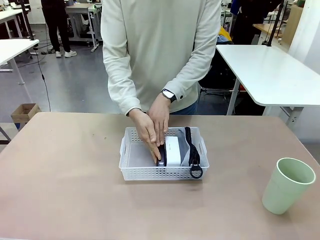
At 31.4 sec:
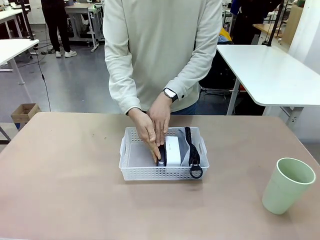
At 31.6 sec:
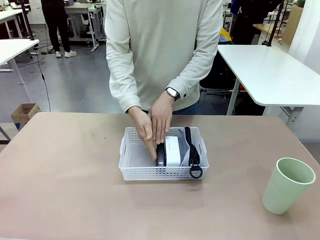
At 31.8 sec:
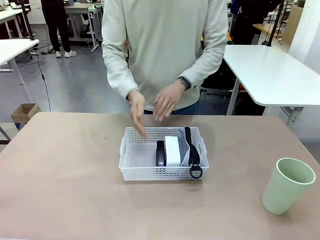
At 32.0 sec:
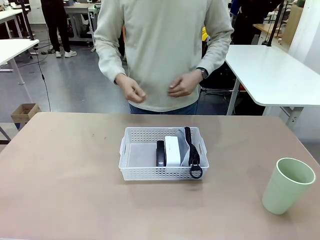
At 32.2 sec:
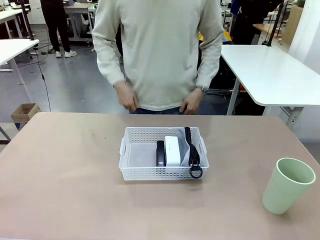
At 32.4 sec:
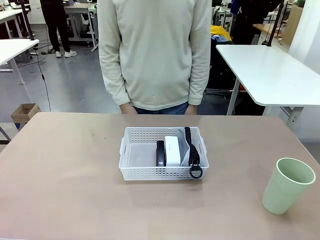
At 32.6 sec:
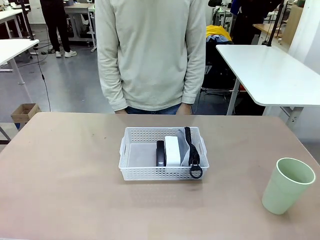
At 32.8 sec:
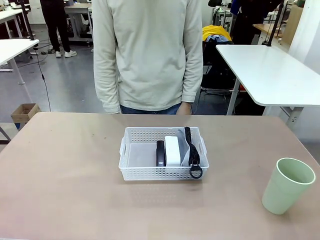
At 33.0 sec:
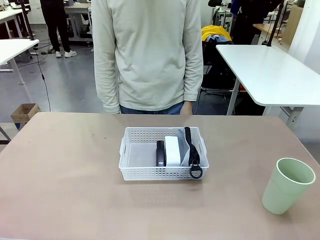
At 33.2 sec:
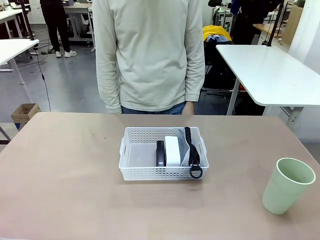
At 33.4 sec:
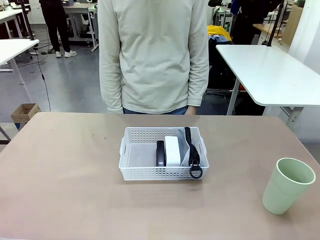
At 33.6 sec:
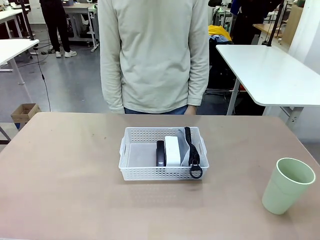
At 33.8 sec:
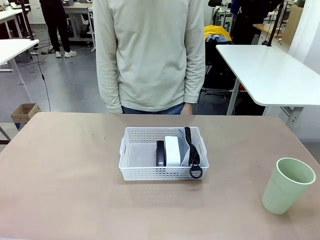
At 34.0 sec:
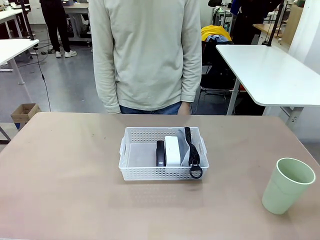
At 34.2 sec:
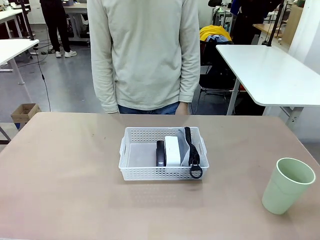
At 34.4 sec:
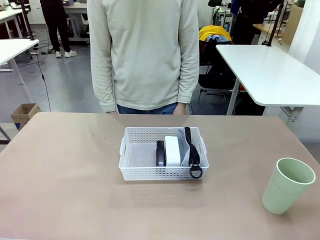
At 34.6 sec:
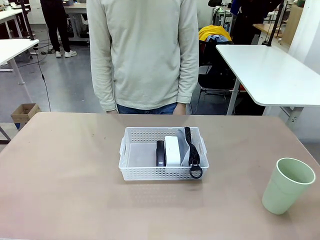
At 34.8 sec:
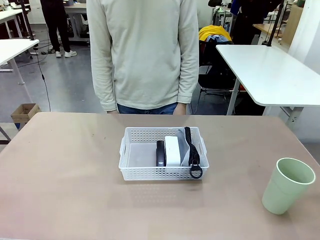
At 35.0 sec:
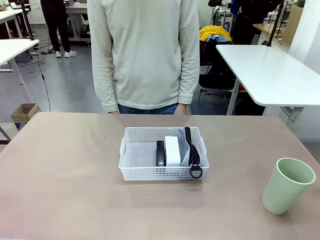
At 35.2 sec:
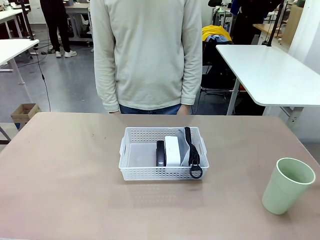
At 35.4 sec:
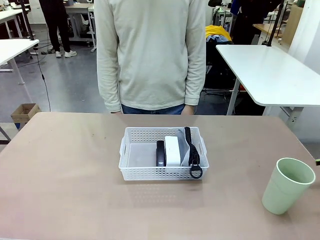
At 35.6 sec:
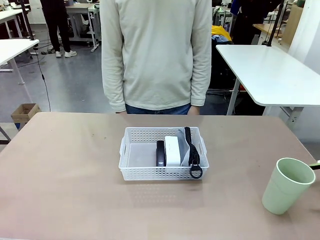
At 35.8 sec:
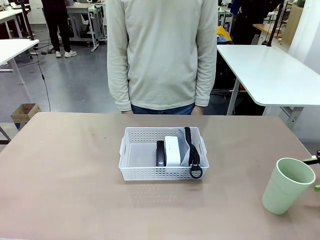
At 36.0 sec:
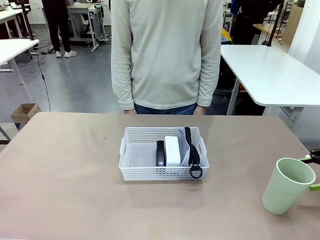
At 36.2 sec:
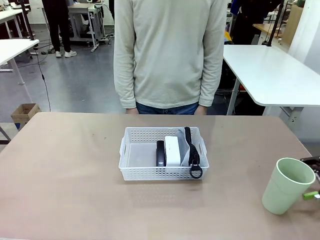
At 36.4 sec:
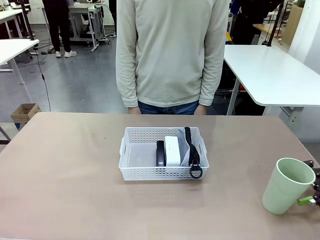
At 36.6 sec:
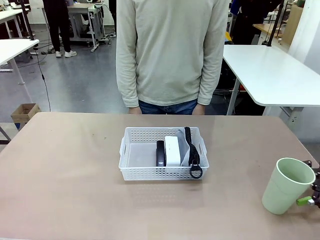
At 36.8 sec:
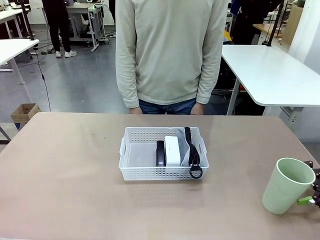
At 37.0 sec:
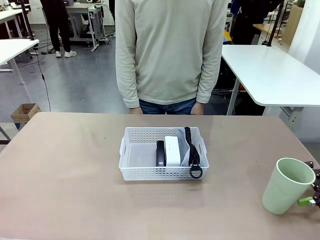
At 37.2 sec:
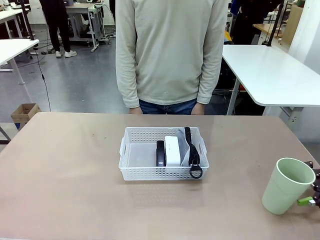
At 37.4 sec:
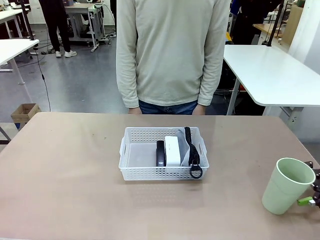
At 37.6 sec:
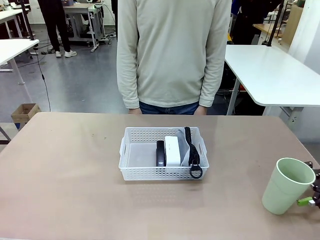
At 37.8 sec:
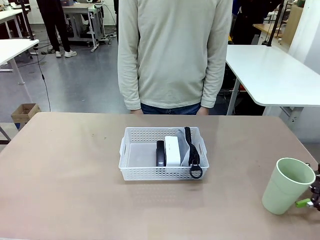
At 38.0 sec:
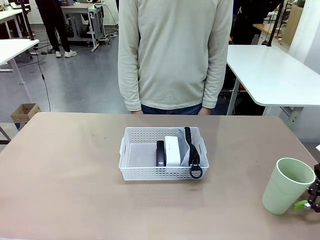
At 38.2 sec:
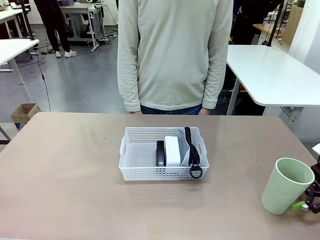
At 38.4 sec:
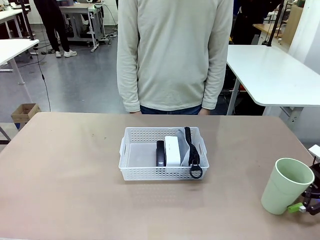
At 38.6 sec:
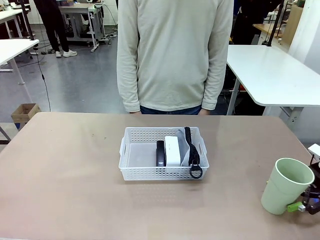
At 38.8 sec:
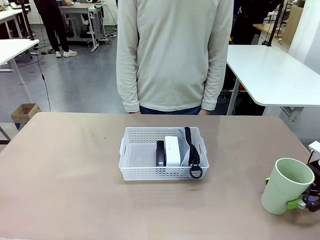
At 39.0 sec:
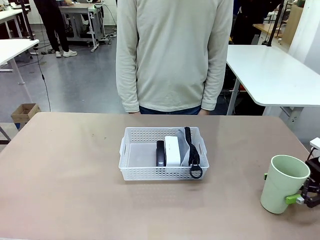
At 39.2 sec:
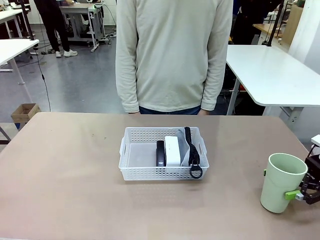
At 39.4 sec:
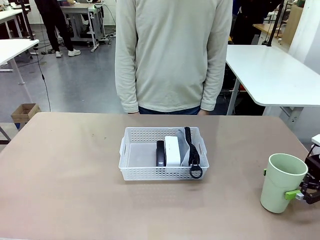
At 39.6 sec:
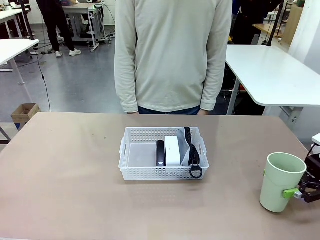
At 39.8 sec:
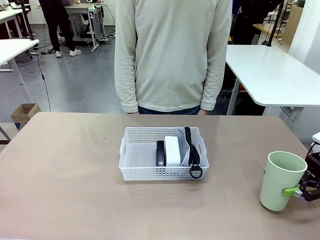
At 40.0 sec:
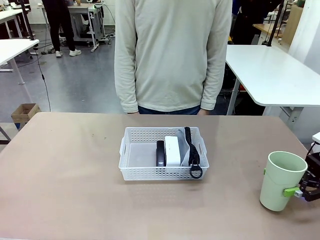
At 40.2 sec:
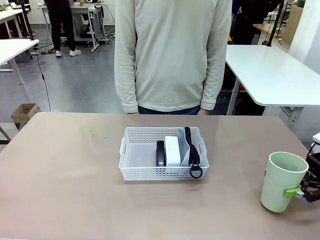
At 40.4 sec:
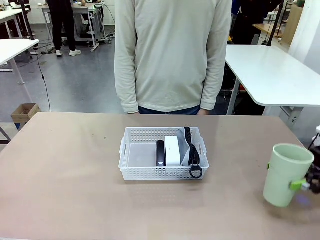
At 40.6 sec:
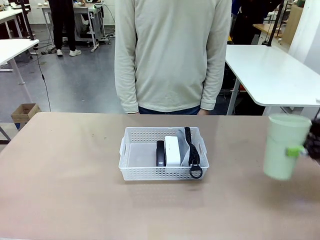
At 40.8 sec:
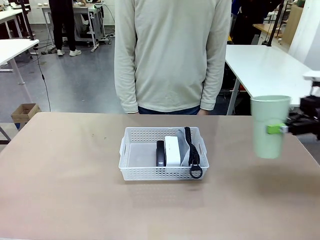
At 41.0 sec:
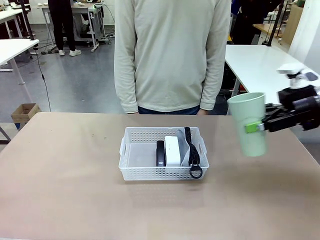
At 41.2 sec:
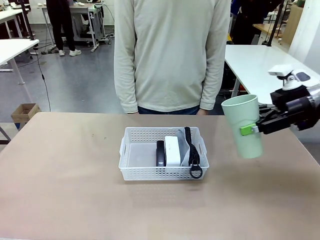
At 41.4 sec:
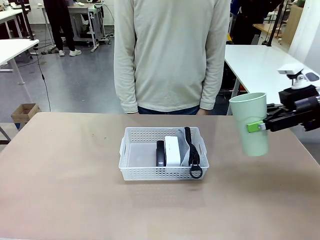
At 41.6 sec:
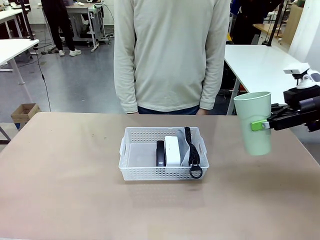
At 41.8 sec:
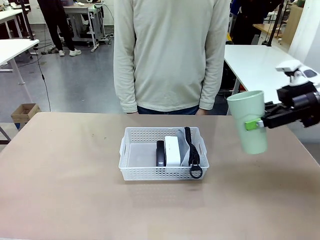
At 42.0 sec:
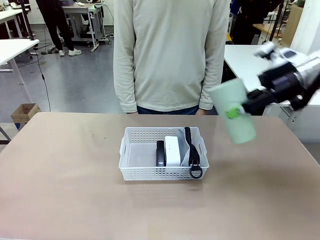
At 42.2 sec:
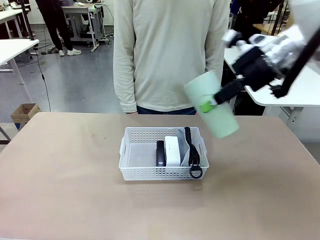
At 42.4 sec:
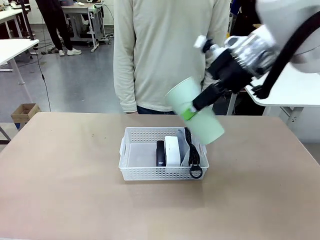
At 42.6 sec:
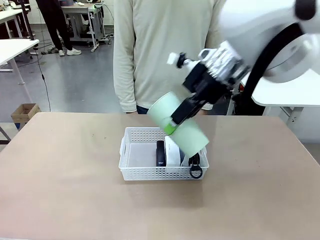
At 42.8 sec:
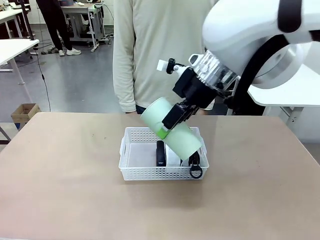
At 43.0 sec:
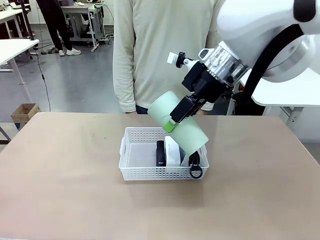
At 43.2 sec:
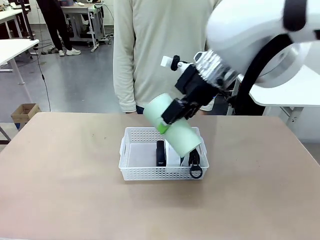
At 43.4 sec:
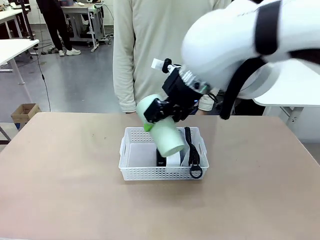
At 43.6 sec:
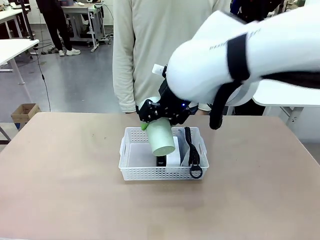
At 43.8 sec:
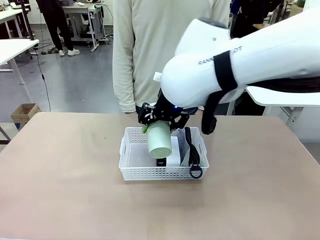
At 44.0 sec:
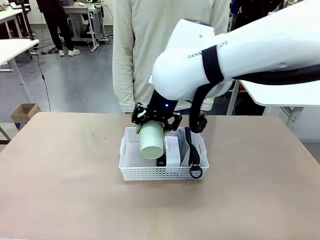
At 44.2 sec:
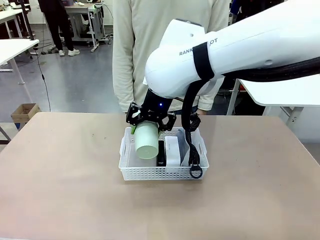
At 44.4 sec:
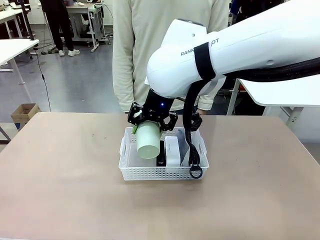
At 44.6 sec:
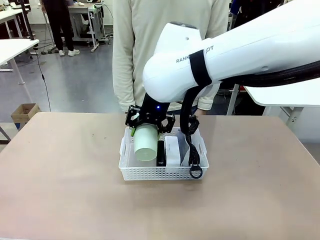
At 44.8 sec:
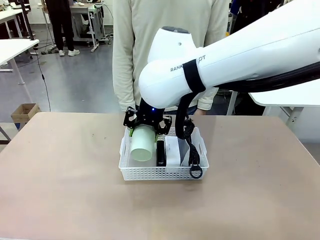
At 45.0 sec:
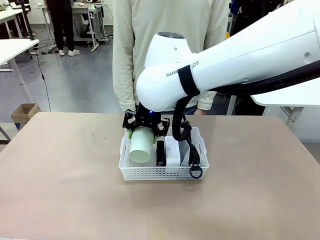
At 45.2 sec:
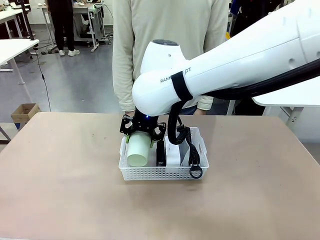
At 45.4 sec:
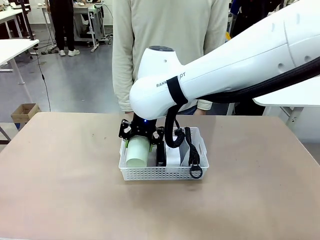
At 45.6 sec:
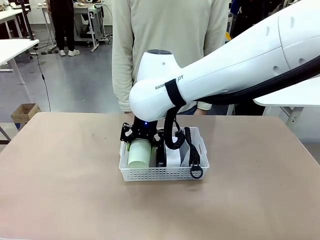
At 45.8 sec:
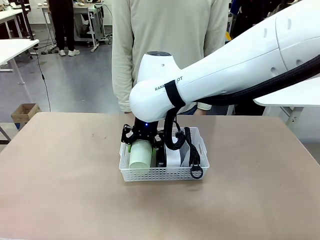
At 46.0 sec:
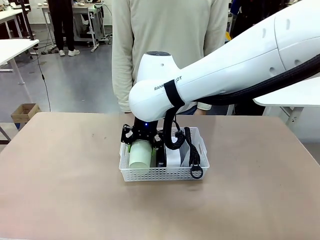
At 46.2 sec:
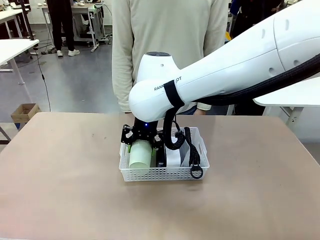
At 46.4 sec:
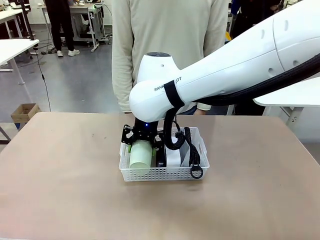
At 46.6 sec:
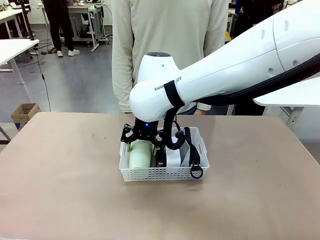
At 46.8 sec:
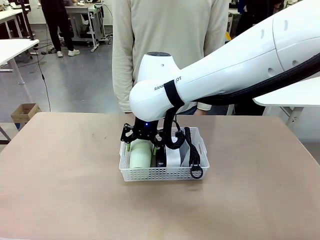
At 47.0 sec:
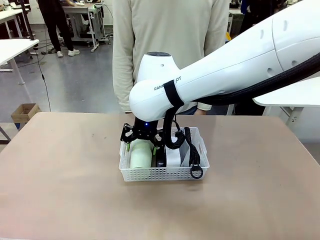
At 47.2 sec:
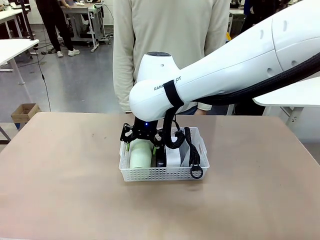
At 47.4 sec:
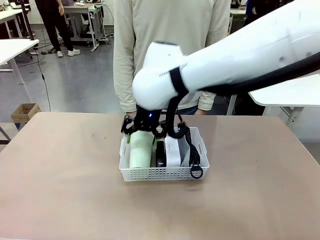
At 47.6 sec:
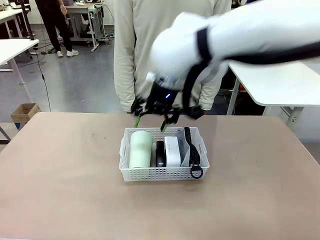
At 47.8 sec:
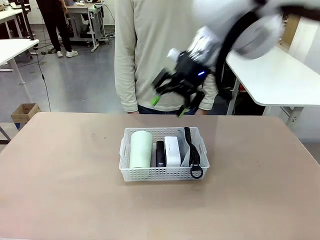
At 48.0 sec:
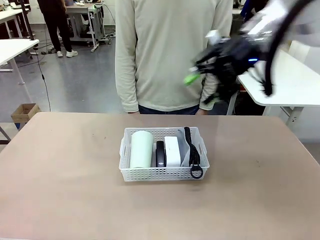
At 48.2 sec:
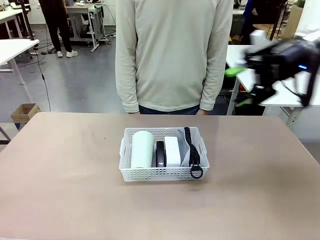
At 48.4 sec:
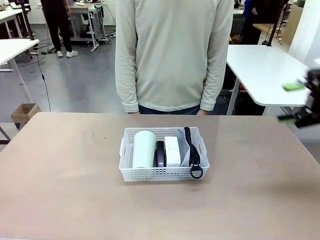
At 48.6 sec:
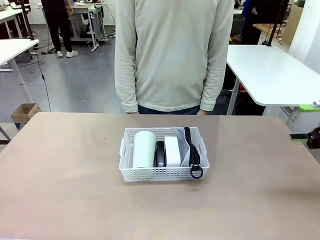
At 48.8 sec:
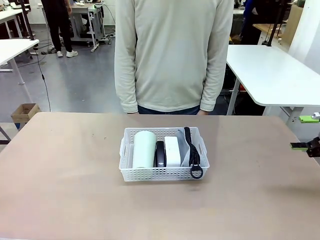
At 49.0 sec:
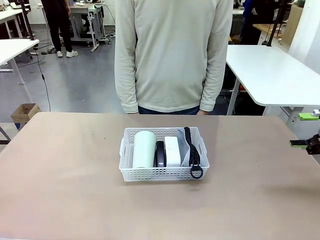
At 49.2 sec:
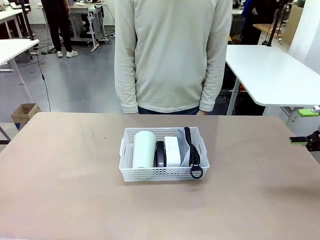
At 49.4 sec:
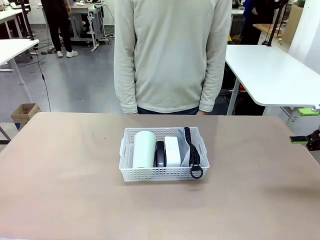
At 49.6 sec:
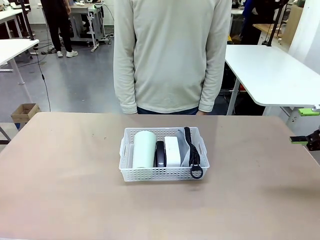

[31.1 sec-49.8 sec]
Task: Efficiently arrange items inside the basket to fit them all.
Robot: Pick up the Reusable plastic cup and place it inside the Organizing basket.
Person: Repositions the stapler.

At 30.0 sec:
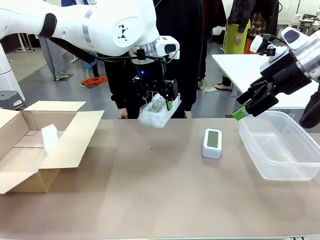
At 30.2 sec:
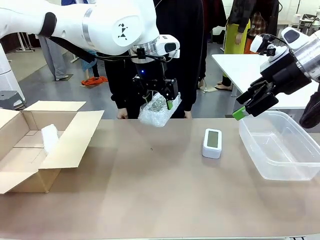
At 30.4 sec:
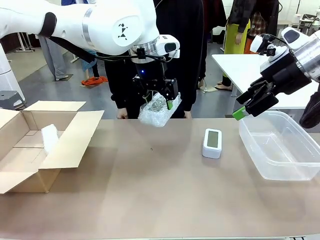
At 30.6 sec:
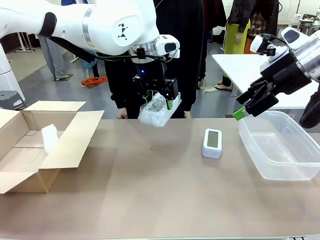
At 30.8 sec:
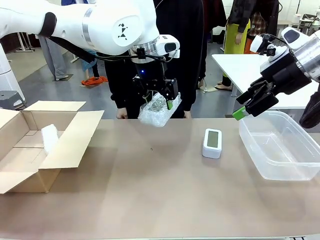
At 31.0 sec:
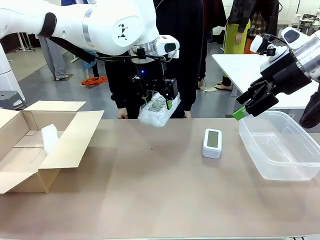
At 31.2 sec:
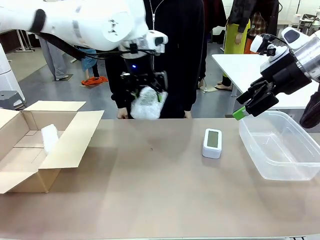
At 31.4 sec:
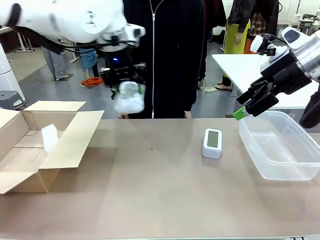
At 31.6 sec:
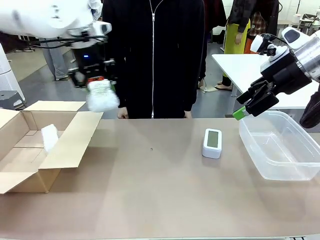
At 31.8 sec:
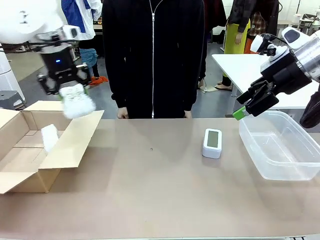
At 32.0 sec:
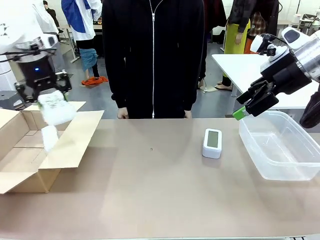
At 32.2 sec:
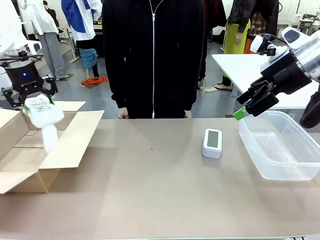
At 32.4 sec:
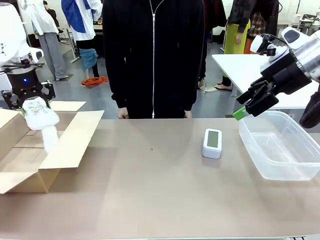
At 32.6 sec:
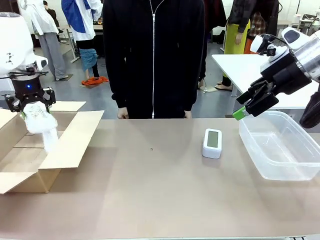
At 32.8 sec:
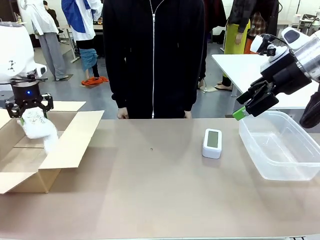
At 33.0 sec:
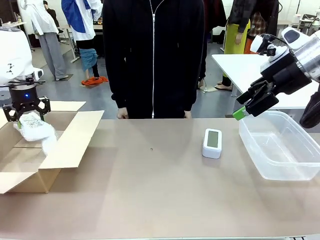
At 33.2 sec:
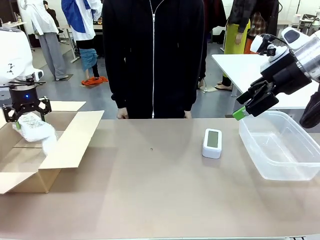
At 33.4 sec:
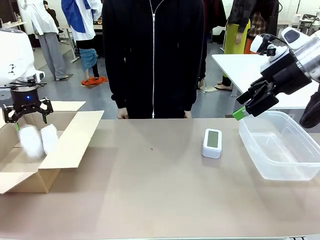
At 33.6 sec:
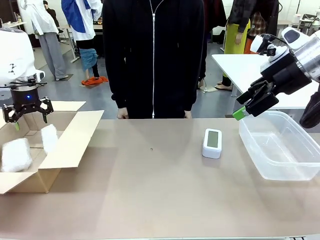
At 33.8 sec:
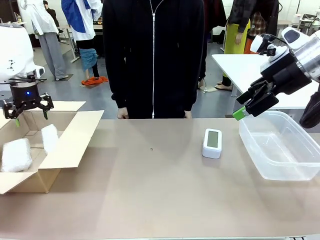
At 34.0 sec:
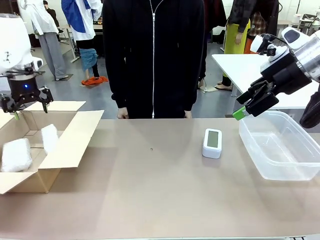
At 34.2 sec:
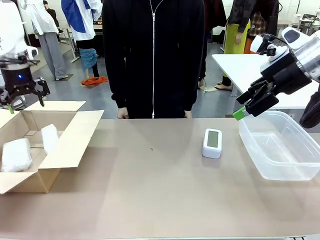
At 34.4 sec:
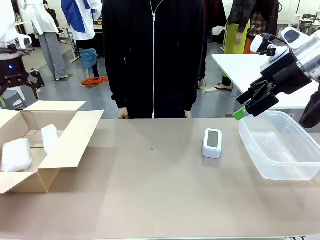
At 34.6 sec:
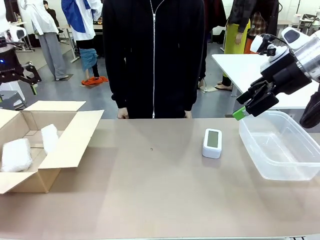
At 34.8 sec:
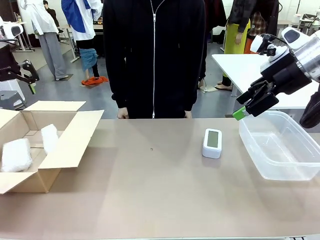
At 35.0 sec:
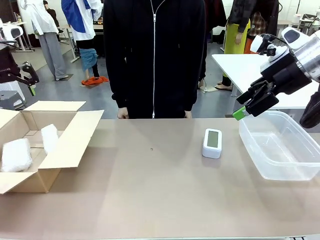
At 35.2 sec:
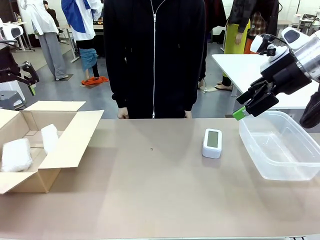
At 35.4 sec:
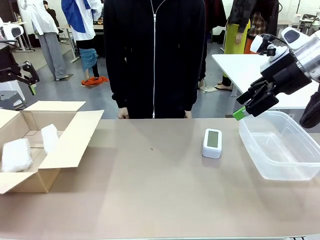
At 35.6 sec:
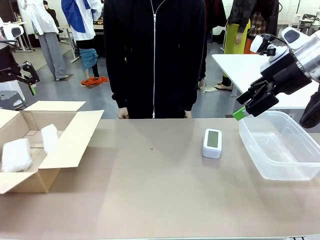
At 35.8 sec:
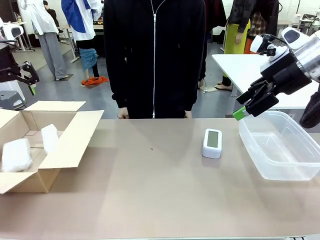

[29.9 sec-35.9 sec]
Task: Separate and place wrapped and unwrapped clocks.
Robot: If the picked Digital clock is wrapped, place it in the Package Box ; if not, place it in the Organizing box.
